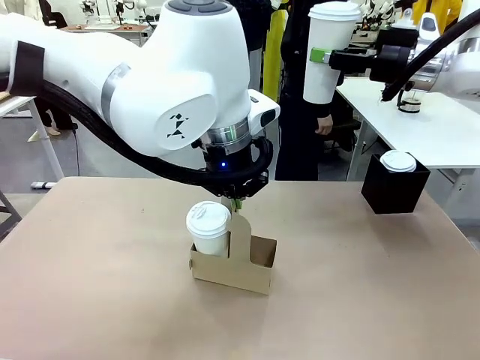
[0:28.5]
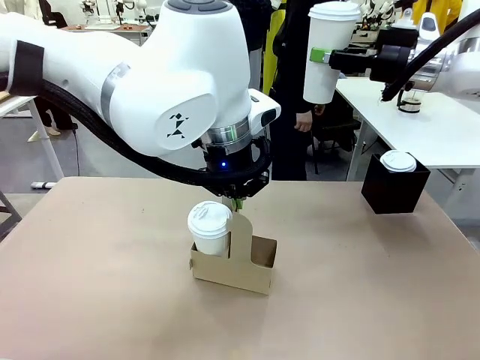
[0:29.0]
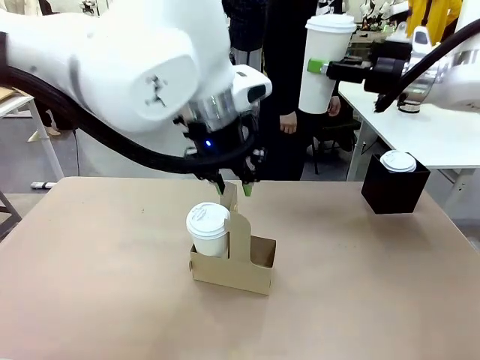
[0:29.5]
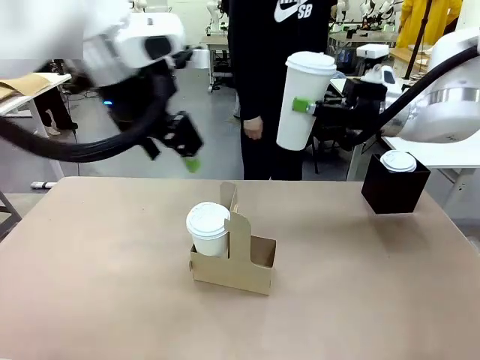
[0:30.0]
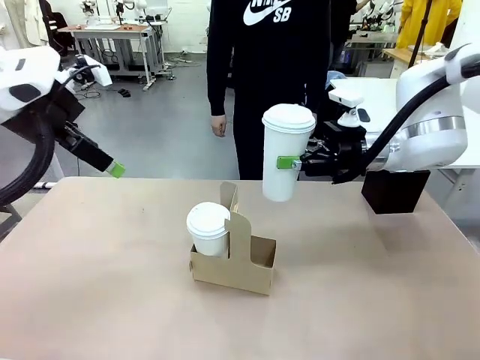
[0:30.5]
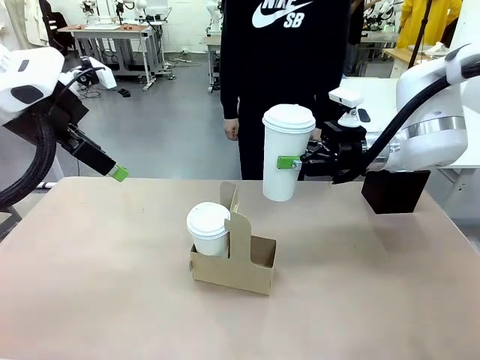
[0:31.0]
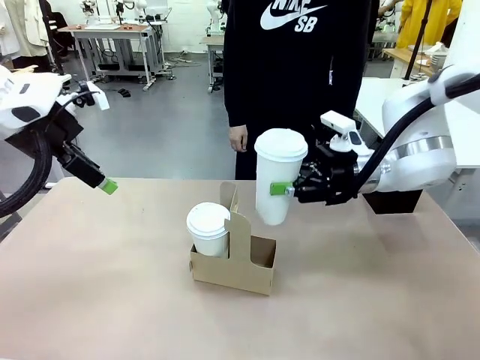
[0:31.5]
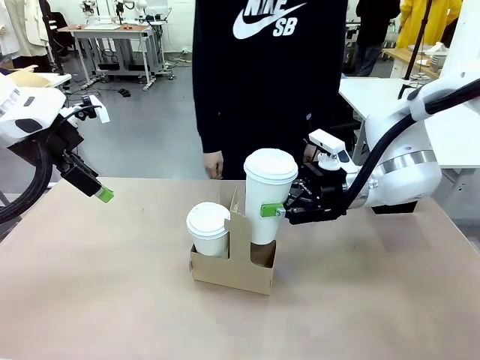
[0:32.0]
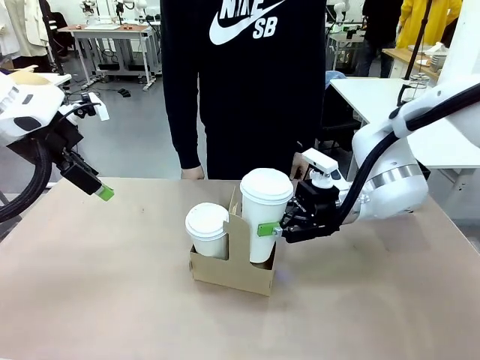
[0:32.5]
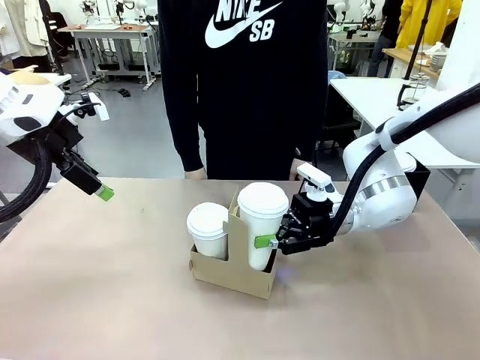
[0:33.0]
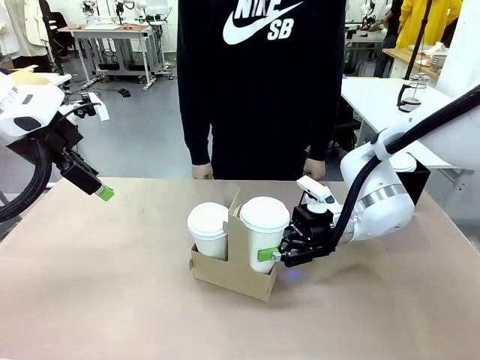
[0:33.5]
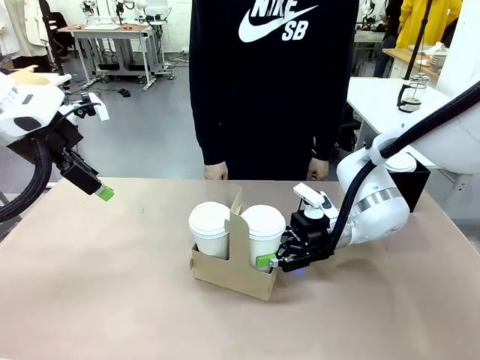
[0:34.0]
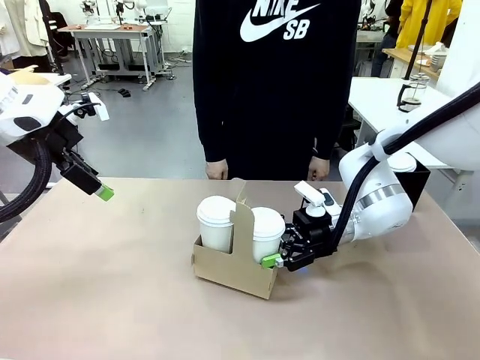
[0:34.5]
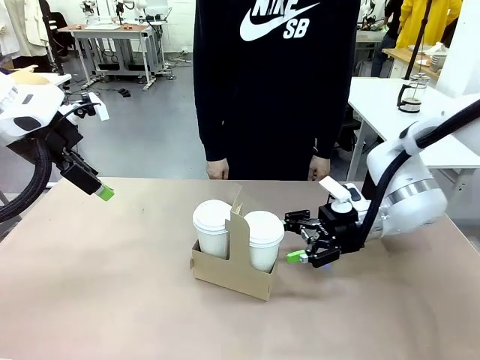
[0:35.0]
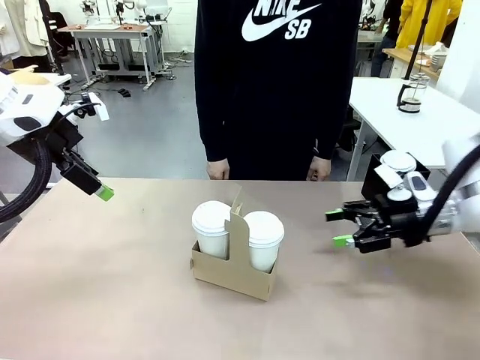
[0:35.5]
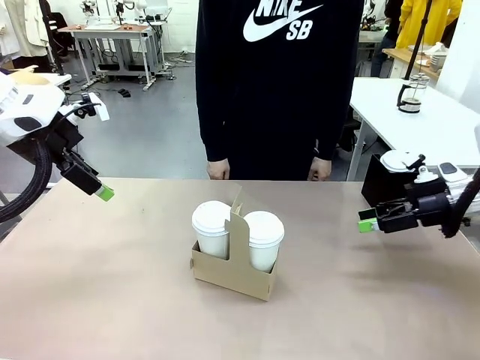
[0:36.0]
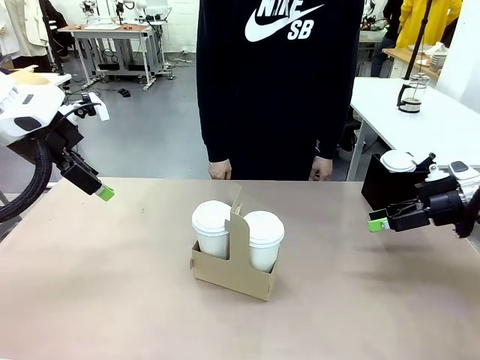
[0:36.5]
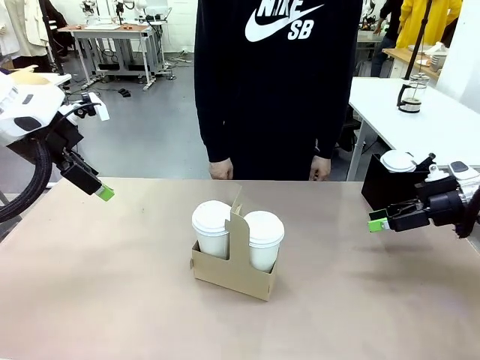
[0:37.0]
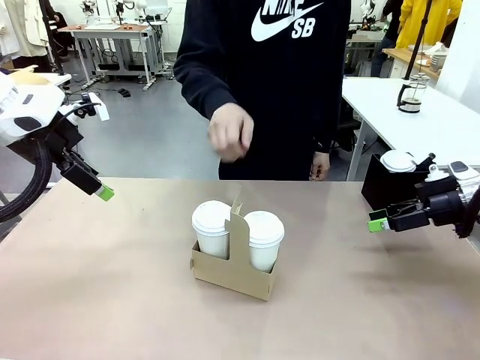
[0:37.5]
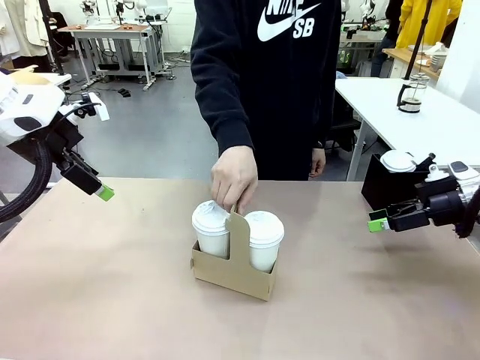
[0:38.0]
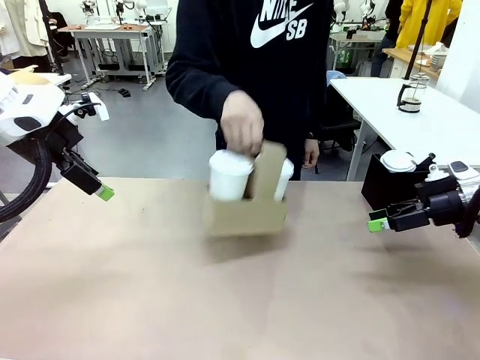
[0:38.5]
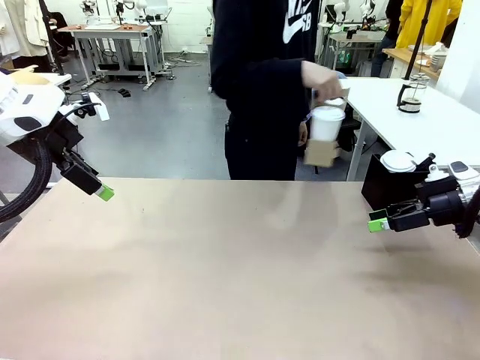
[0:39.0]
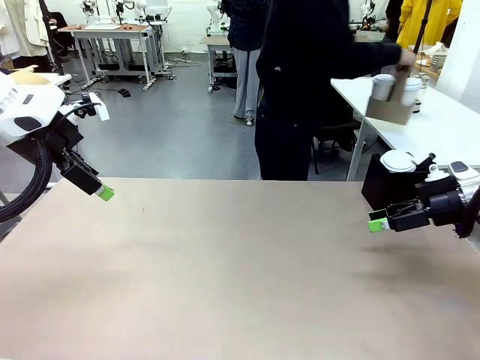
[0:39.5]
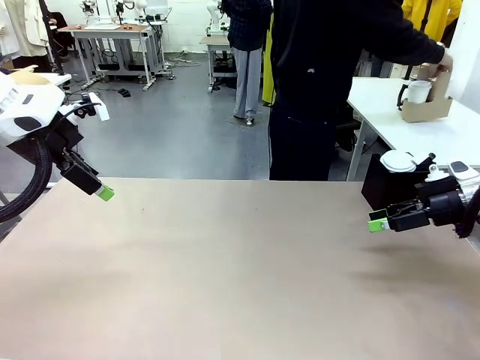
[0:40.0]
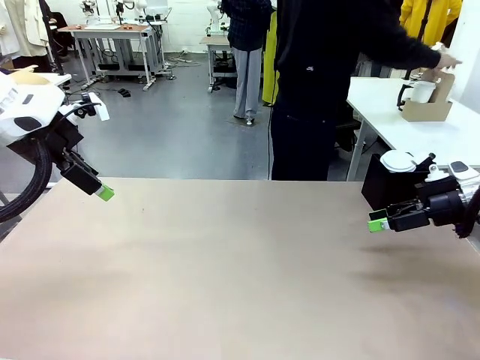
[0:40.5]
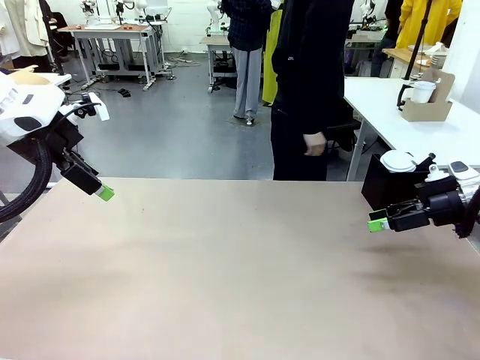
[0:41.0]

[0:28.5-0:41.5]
Task: Pour a drink into a cup and package it in a carrier.
Robot: Insert the held 600 ml Paper Cup into the Cup Carrier.
Person: Place the Cup Carrier to the middle of Human table.

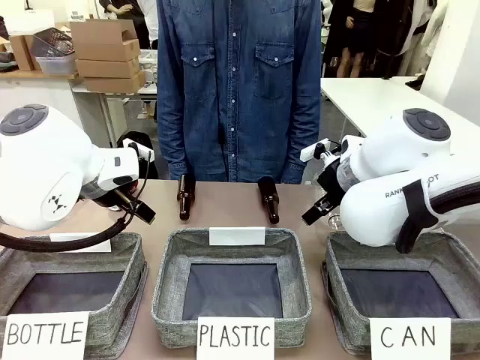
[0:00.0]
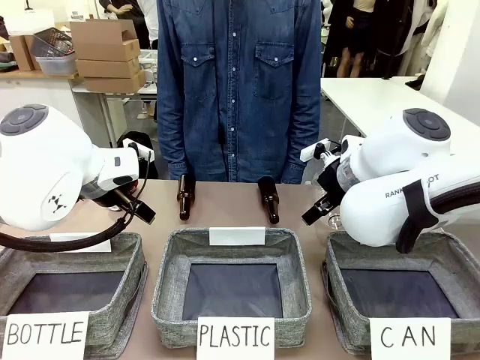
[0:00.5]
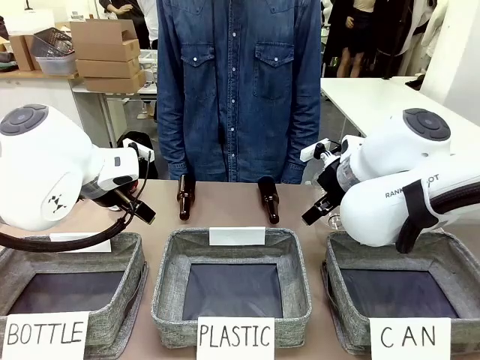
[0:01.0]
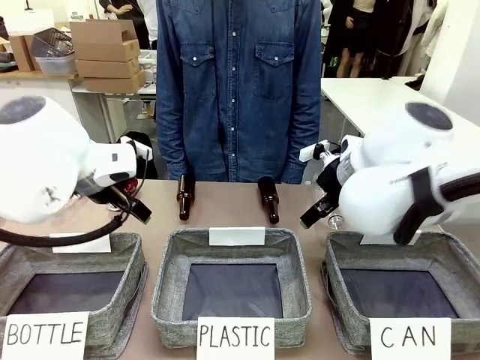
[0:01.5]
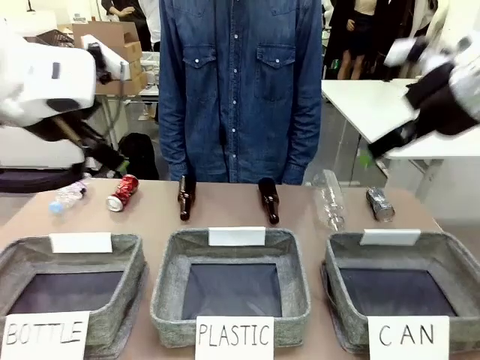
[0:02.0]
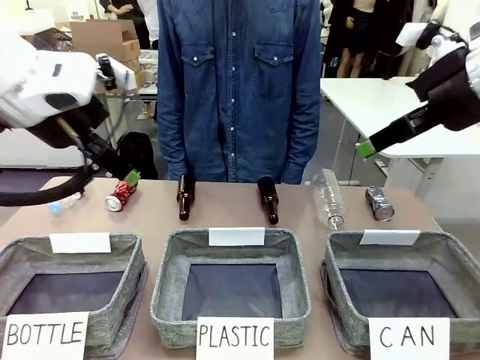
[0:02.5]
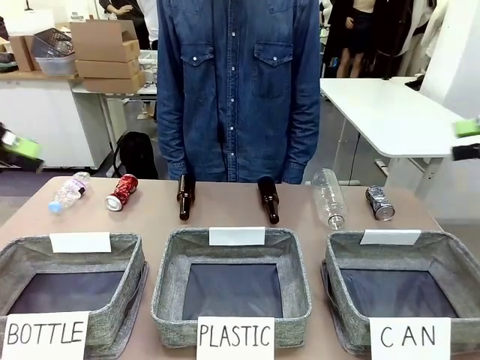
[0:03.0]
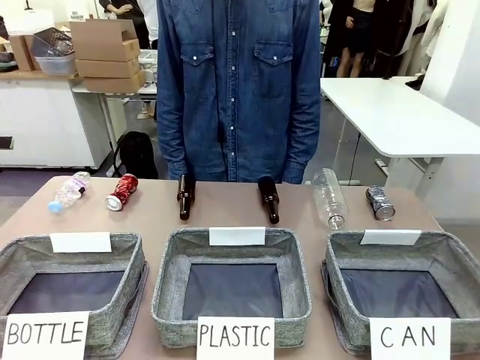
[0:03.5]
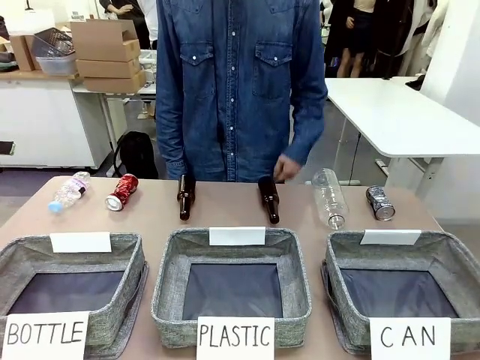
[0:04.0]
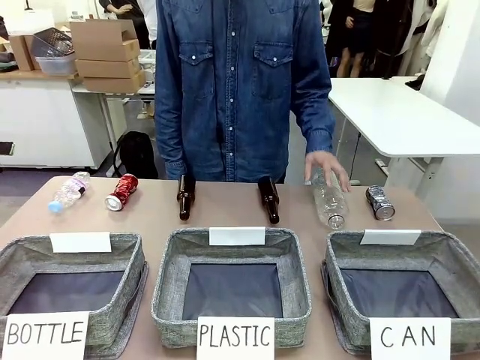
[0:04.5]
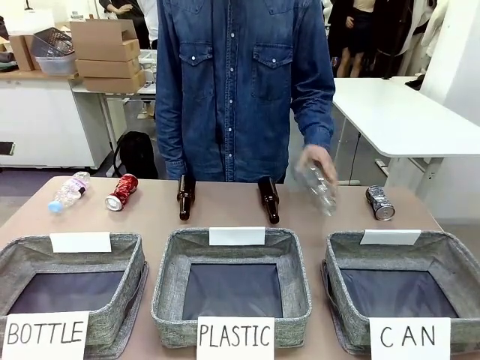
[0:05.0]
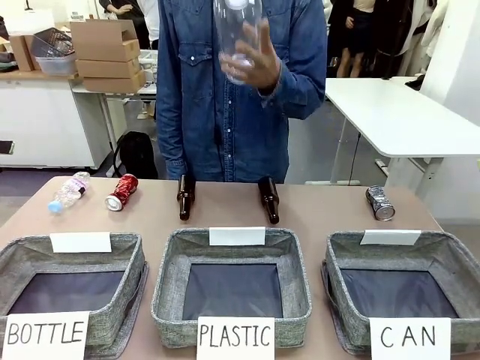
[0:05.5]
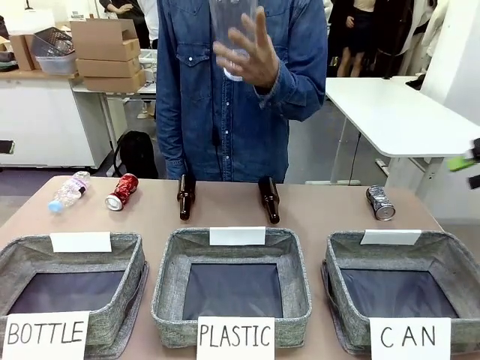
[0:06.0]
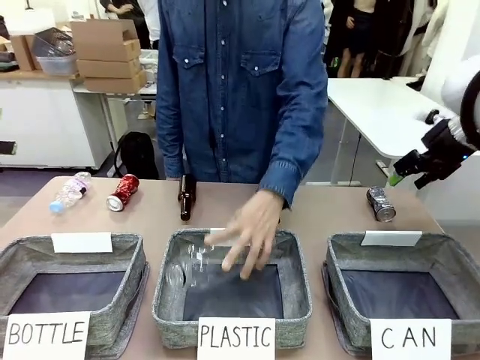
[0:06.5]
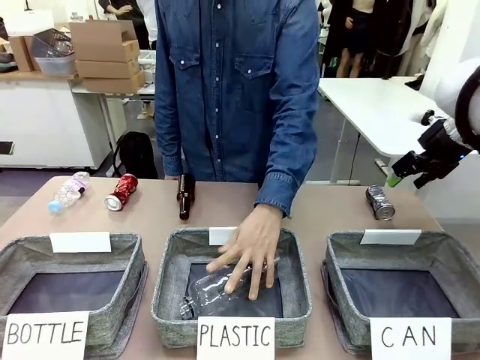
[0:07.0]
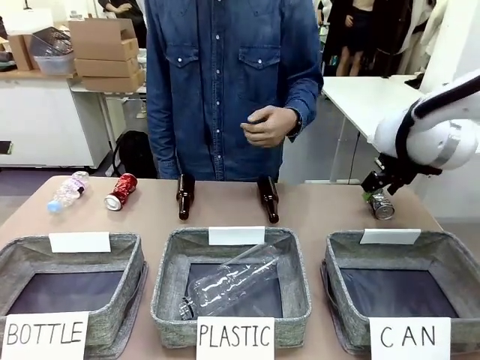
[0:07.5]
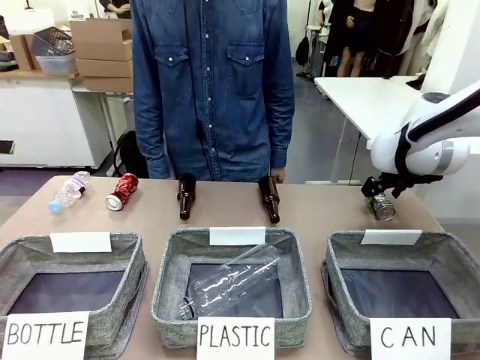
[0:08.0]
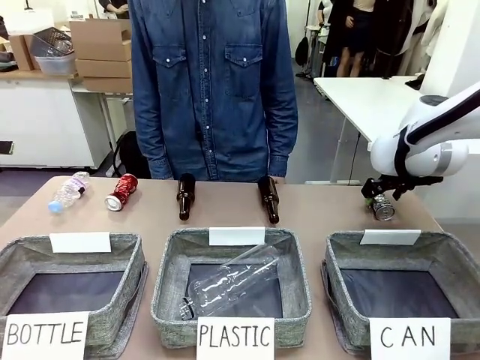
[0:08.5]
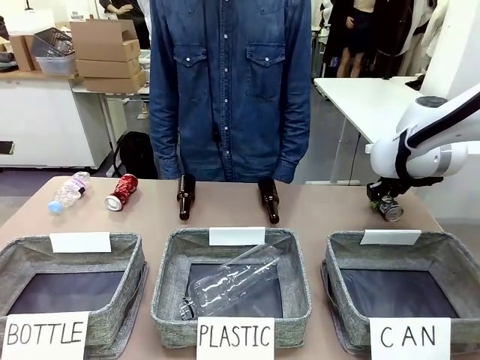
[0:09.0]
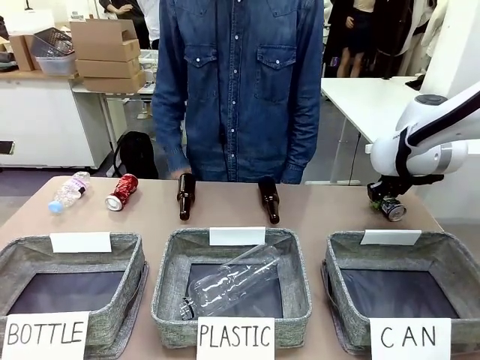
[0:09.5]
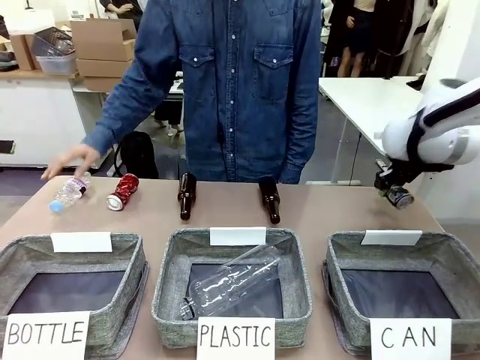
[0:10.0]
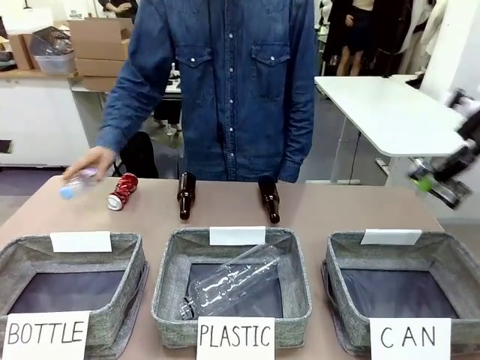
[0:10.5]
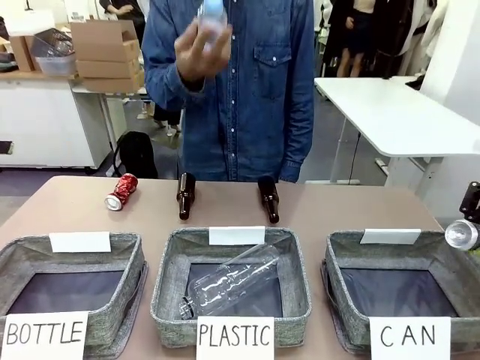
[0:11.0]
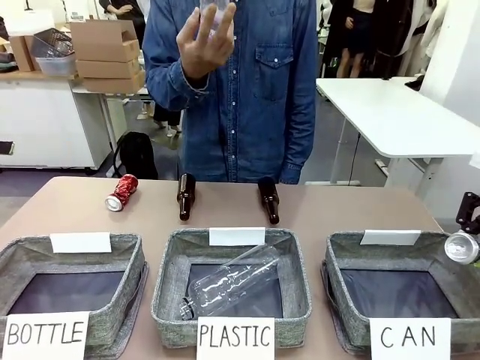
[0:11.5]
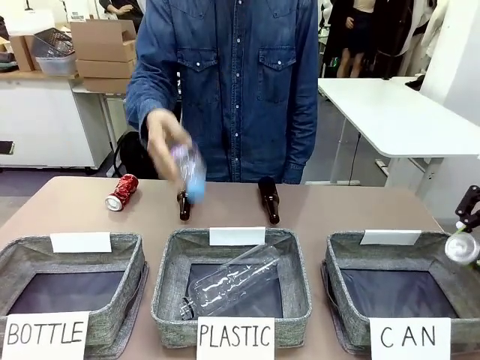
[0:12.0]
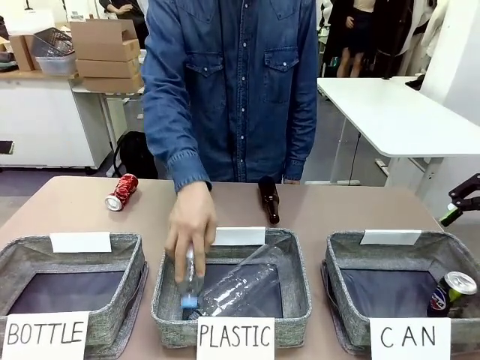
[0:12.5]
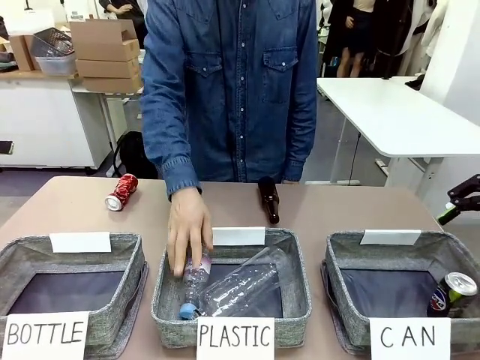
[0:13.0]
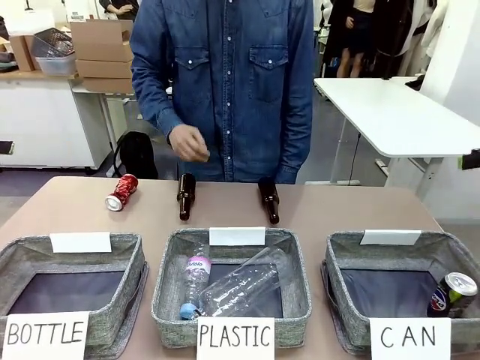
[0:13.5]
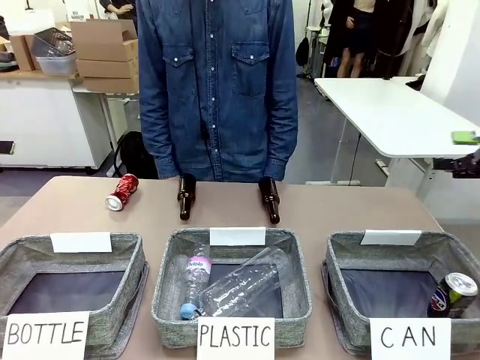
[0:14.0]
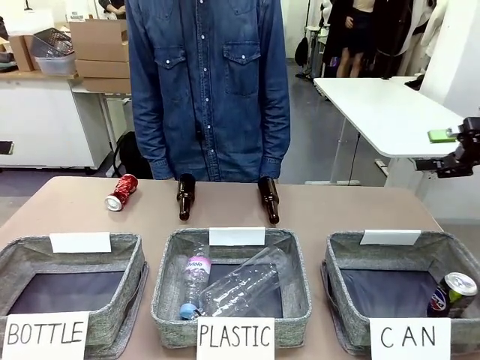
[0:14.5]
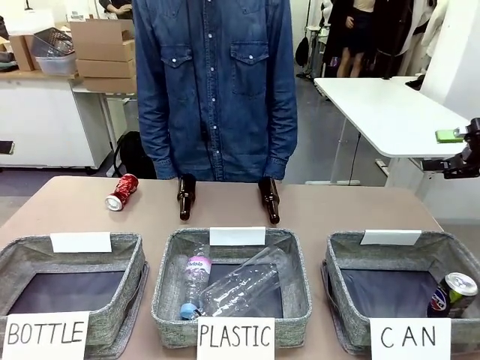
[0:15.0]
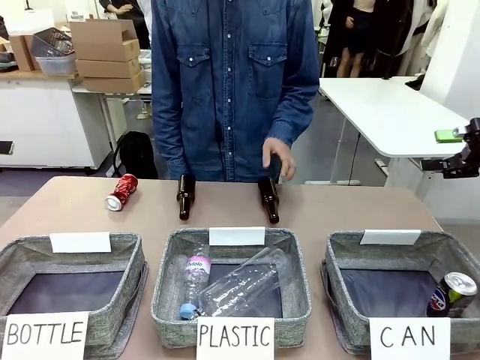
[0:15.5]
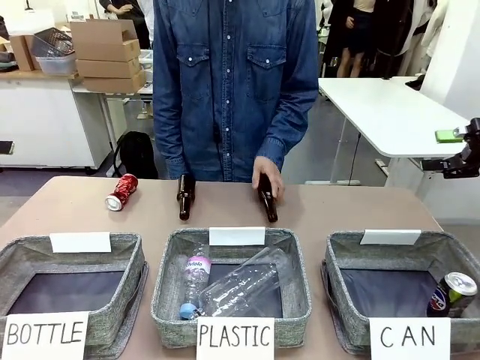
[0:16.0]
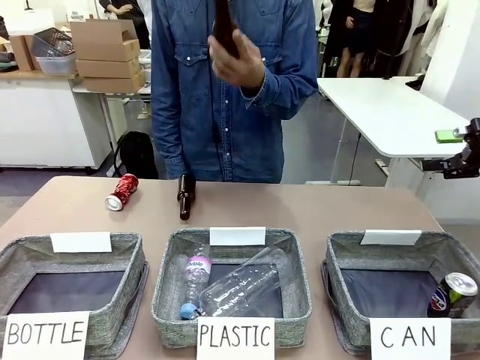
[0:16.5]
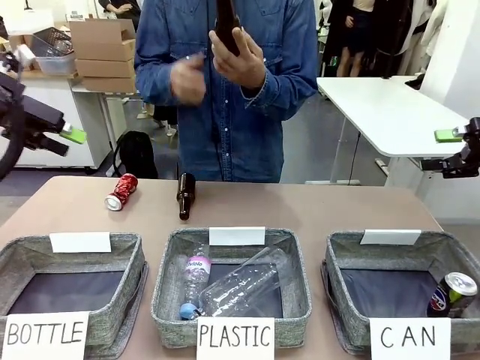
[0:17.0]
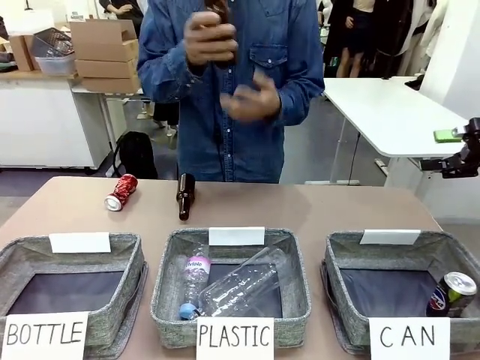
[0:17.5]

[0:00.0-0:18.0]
Task: Sort the can waste into the basket.
Robot: Pick up the can waste from the table and place it in the right Fabric basket.
